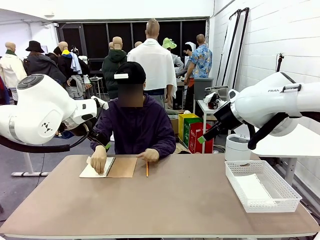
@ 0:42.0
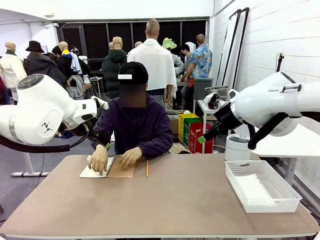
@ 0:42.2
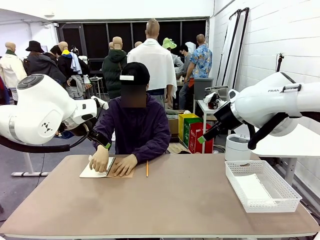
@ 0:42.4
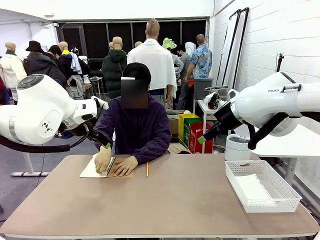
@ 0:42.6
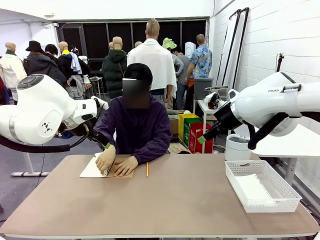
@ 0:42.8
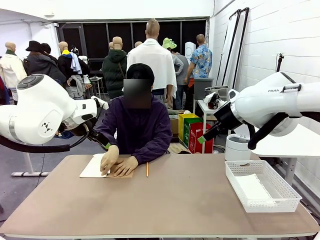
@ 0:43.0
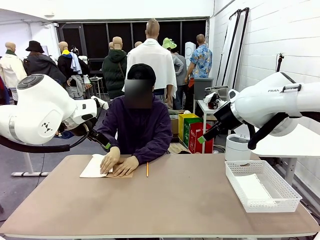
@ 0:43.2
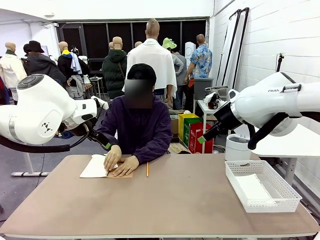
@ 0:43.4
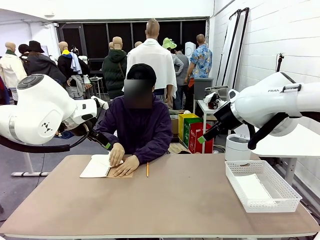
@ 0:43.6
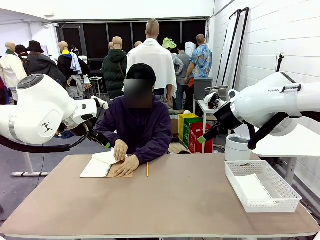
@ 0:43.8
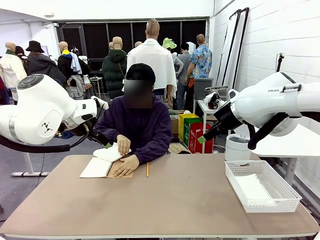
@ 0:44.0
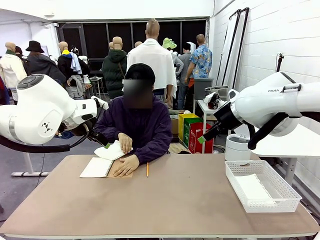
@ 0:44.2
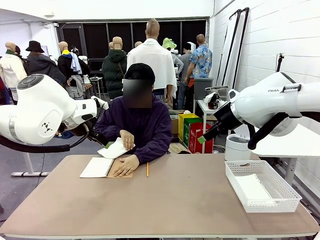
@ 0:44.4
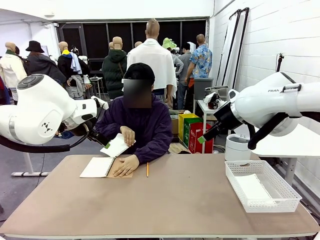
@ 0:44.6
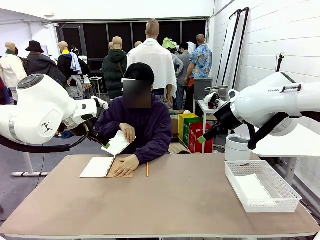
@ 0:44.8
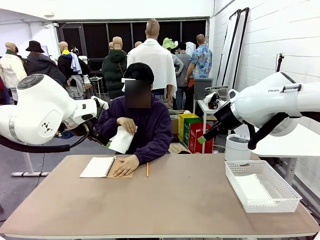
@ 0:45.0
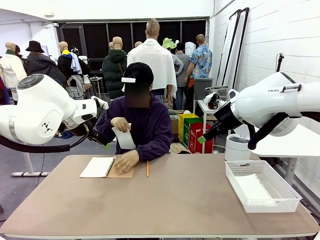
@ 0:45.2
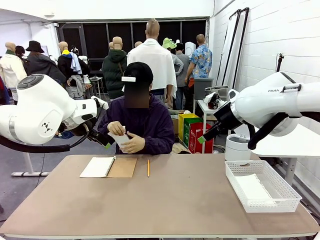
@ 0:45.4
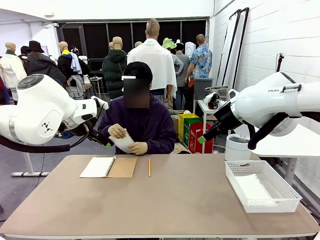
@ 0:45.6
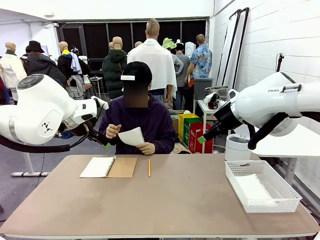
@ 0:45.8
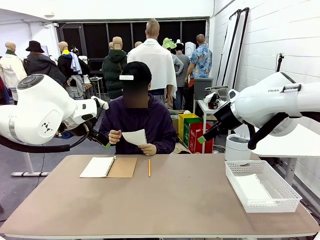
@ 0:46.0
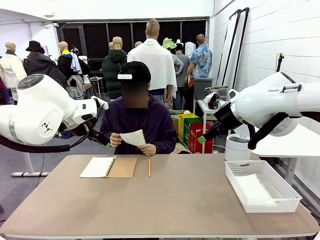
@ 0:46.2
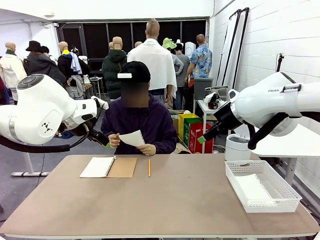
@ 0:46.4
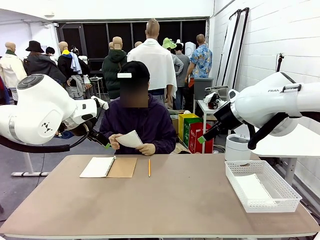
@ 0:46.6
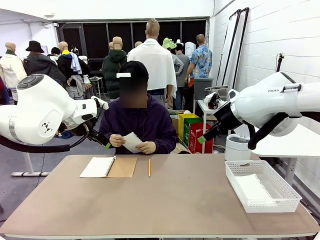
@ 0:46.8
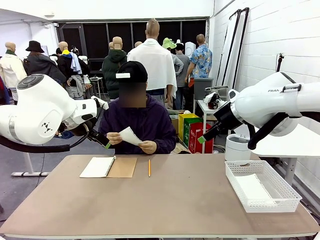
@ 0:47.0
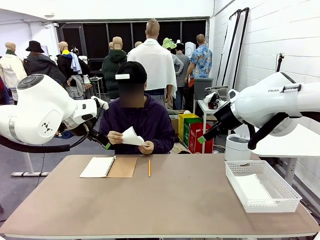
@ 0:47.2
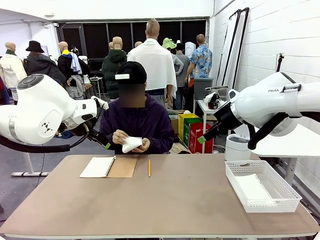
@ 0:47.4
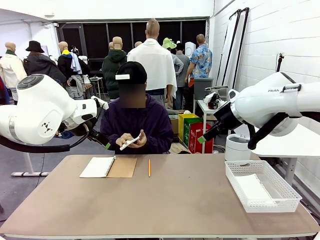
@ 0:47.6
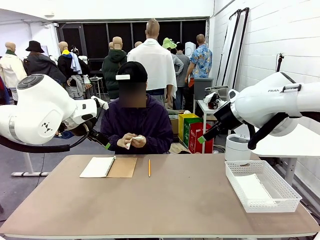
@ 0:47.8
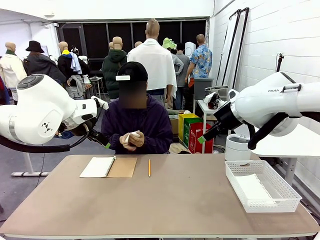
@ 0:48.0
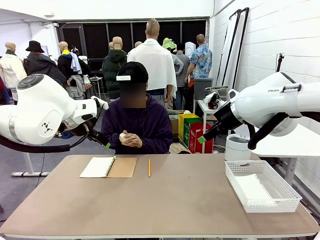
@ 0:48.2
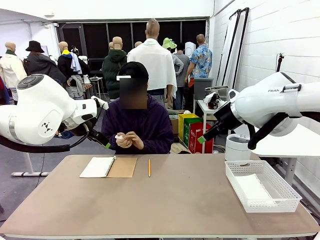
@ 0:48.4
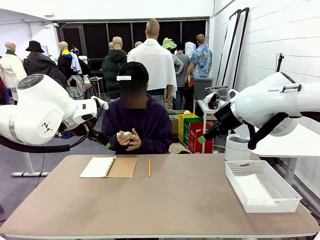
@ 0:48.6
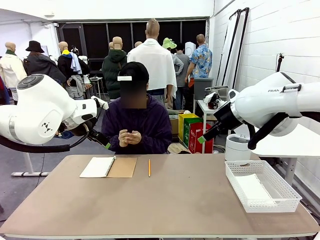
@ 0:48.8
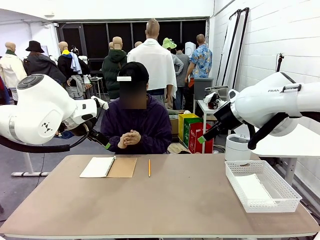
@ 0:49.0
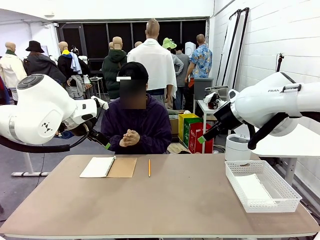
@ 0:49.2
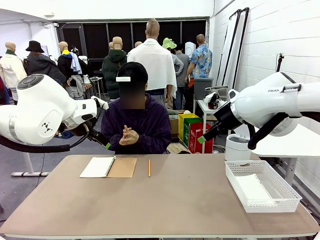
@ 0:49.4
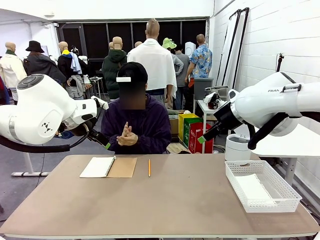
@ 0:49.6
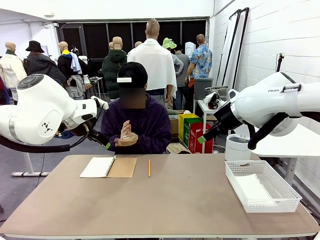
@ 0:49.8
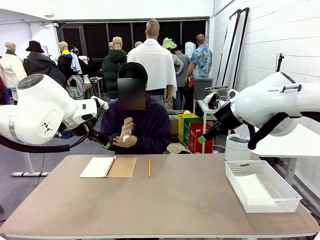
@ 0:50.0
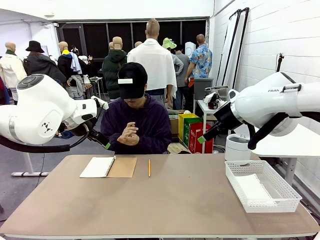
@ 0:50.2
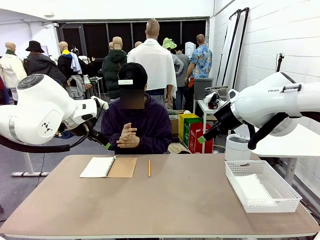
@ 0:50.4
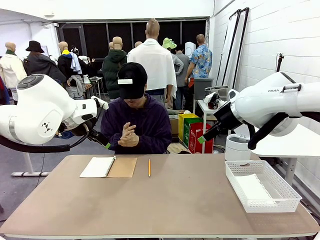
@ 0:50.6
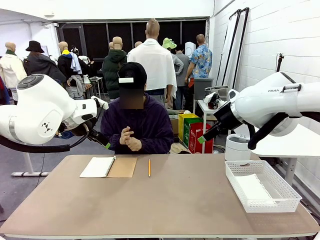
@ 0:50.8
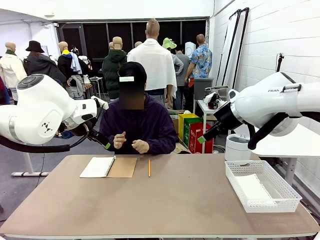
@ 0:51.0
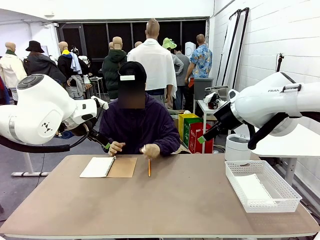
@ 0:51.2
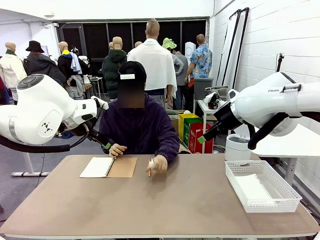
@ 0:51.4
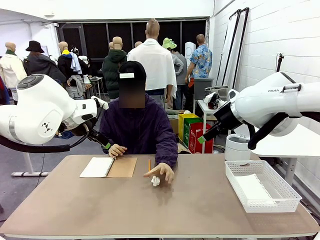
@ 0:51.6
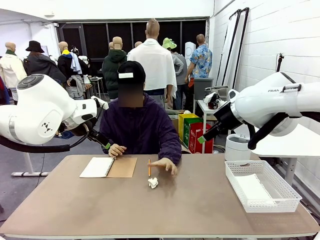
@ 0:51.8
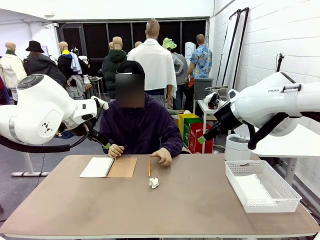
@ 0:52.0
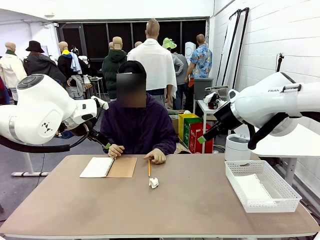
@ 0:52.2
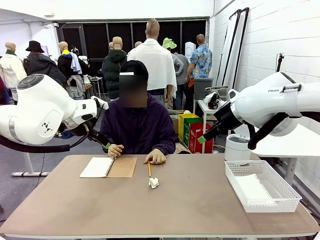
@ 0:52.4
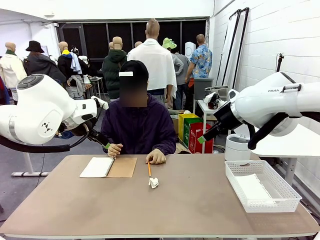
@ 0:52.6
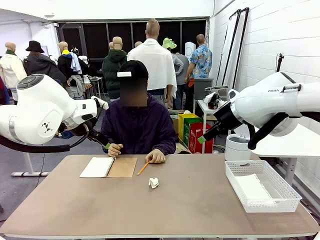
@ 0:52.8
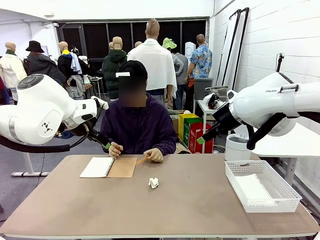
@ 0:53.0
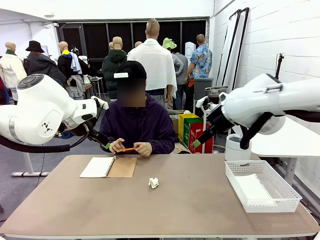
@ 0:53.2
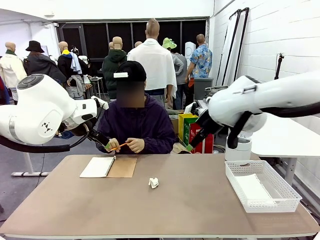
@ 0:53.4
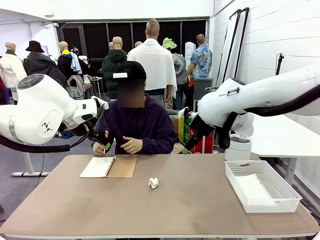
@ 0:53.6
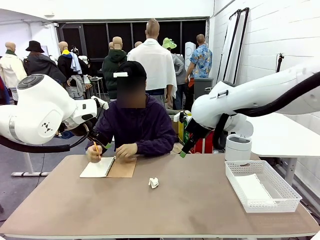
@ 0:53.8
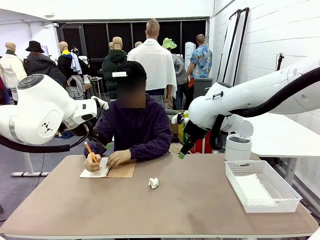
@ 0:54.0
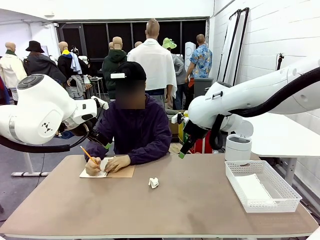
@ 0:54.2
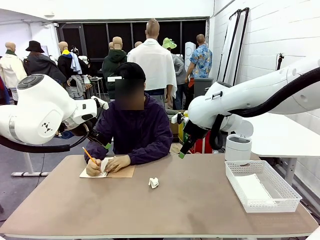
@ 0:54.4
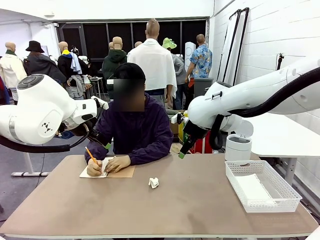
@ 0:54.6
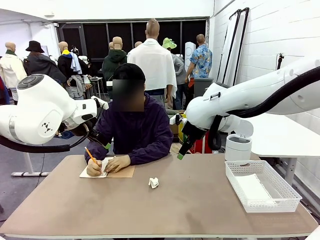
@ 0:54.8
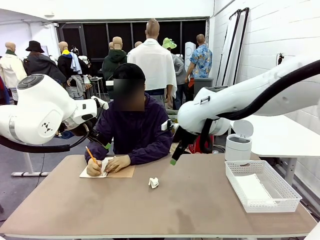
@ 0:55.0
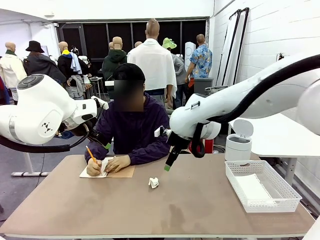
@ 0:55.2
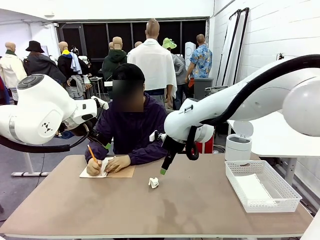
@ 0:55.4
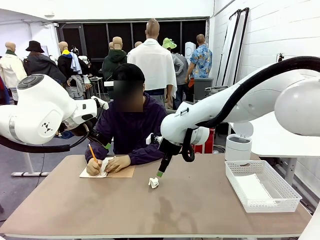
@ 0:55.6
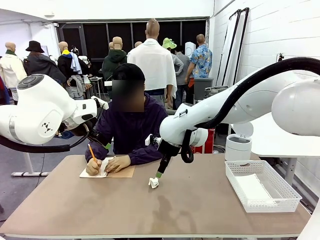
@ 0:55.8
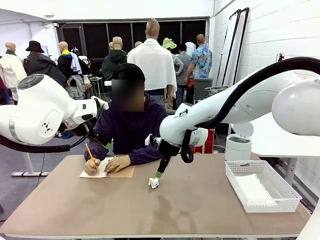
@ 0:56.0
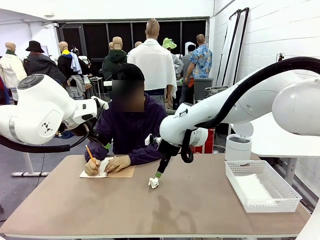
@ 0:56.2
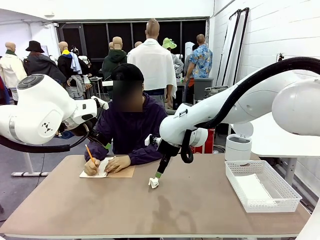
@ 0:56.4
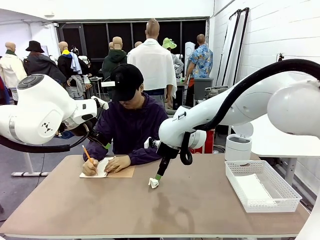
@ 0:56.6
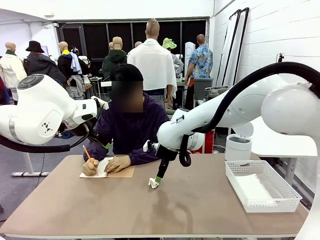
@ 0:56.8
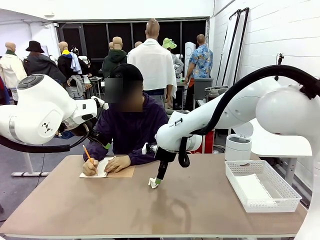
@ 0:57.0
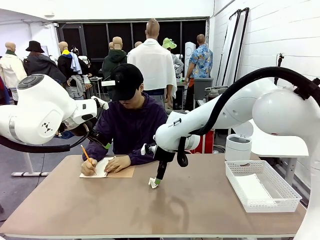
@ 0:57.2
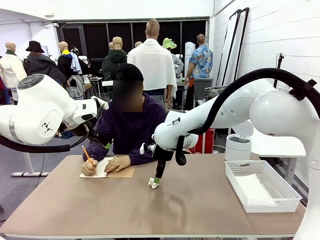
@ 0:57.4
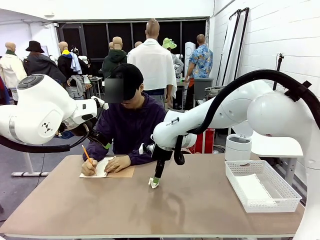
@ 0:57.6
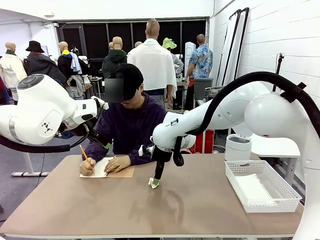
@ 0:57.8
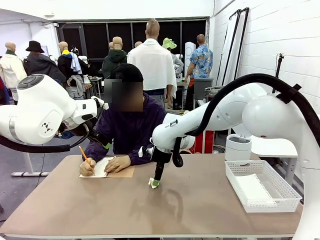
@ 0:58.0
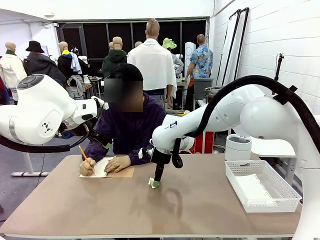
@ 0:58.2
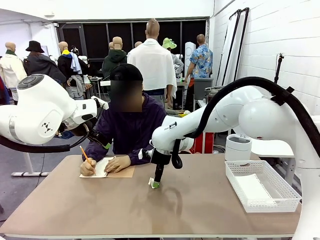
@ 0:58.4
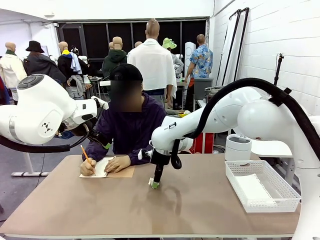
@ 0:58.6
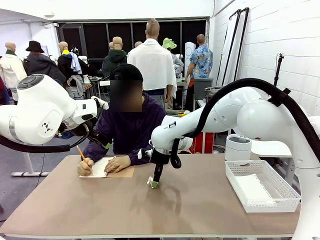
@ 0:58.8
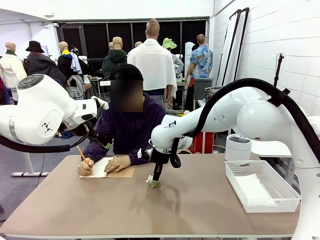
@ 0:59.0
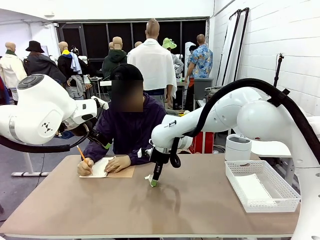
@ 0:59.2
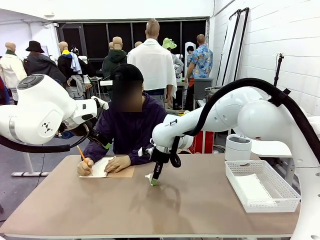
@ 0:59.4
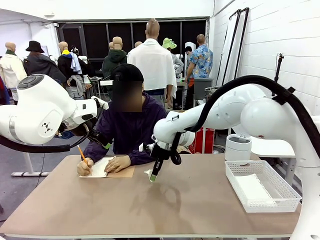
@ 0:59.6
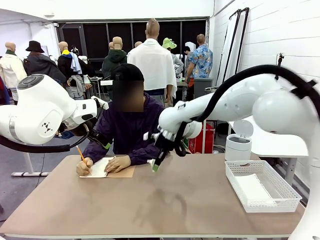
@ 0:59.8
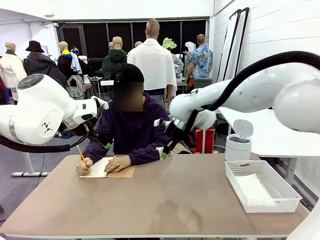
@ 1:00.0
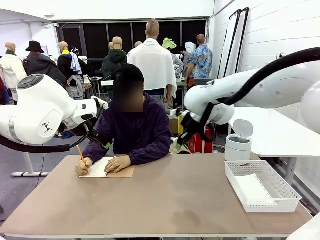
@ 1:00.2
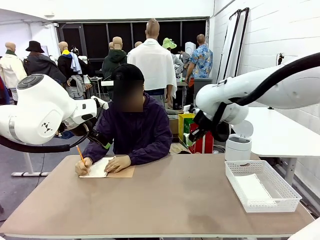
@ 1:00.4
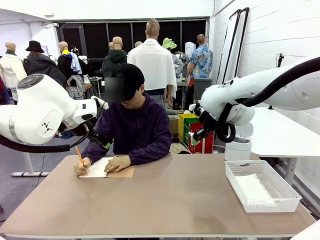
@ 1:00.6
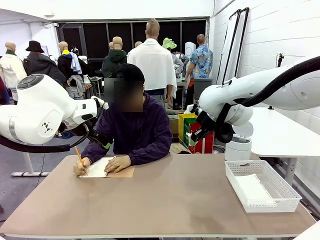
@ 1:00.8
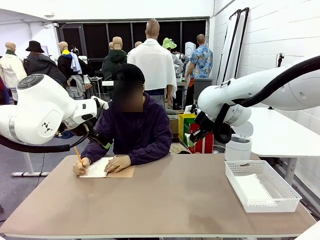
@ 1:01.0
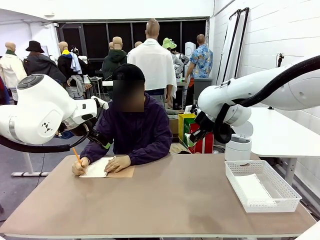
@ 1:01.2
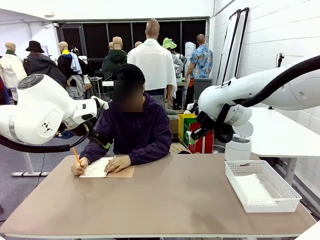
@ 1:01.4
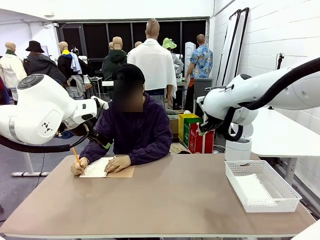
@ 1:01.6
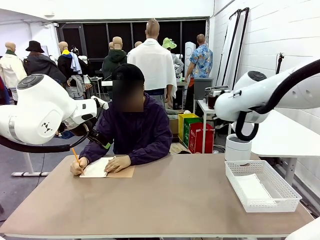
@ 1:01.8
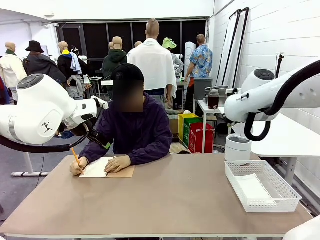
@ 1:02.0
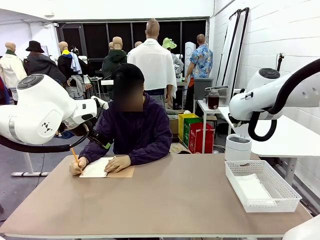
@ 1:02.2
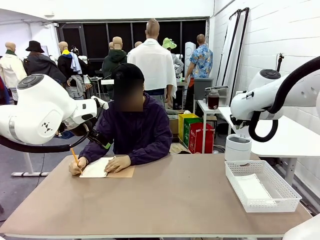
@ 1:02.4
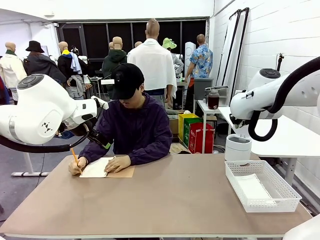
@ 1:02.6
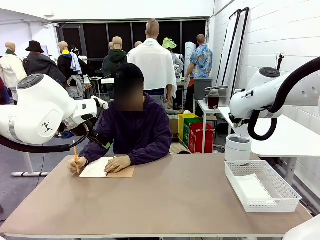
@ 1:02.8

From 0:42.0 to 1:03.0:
Task: Sort the paper based on its condition.
Robot: If a person hands you a paper, place it in the Organizing basket , and if it's crumpled, put it in the Trash can.
Person: Hand the torn page to the robot or crumple it and throw it to the center of the table. Tear out a page from the spiral notebook.
